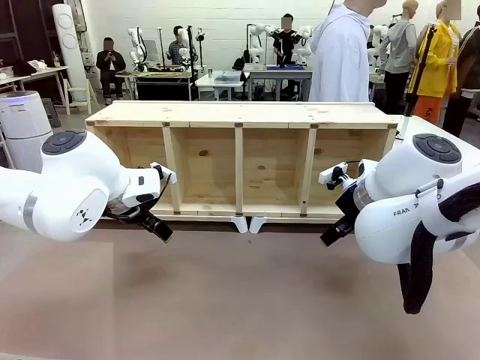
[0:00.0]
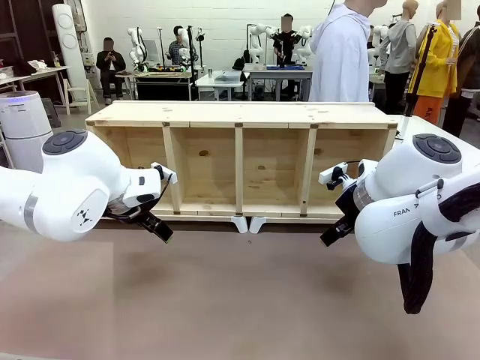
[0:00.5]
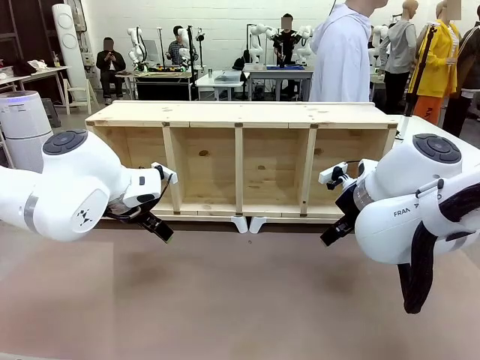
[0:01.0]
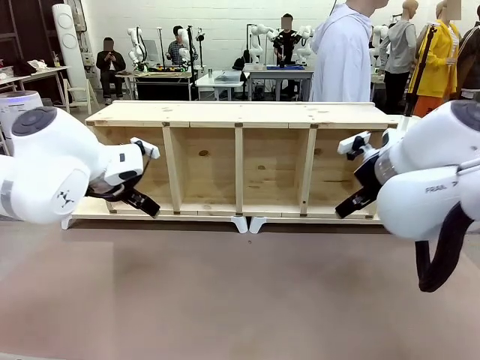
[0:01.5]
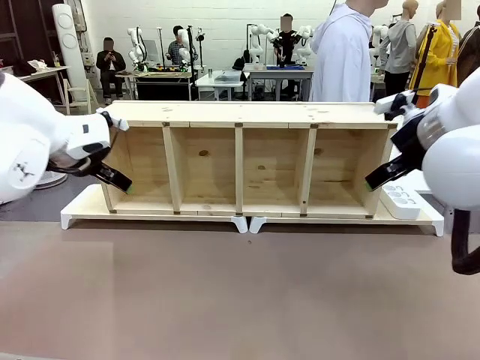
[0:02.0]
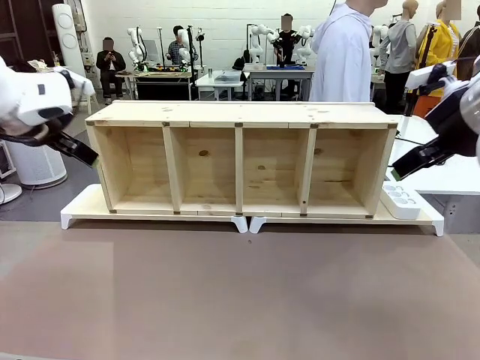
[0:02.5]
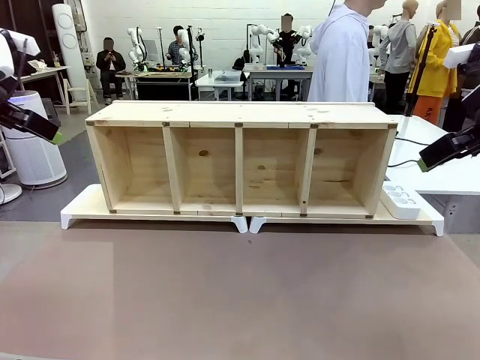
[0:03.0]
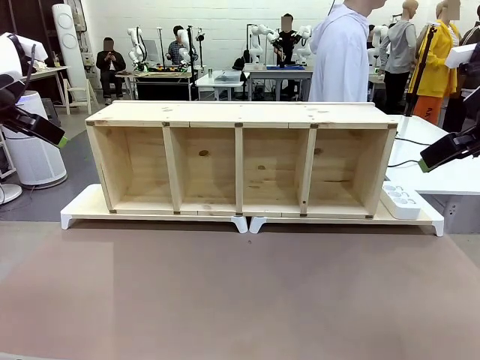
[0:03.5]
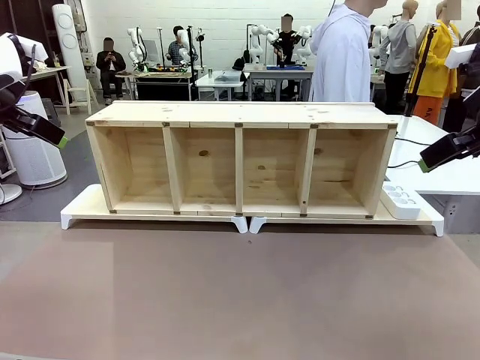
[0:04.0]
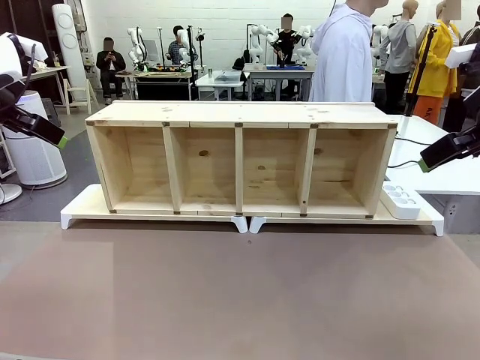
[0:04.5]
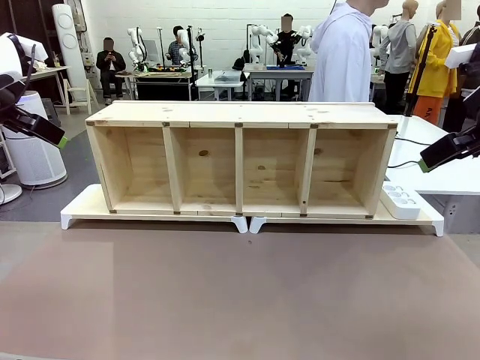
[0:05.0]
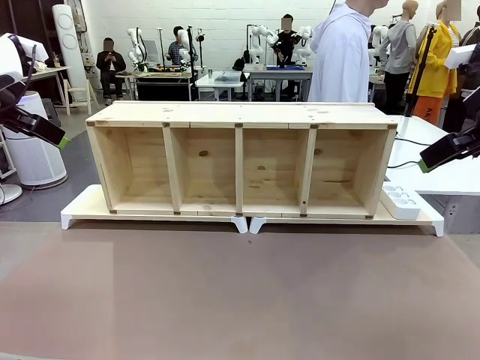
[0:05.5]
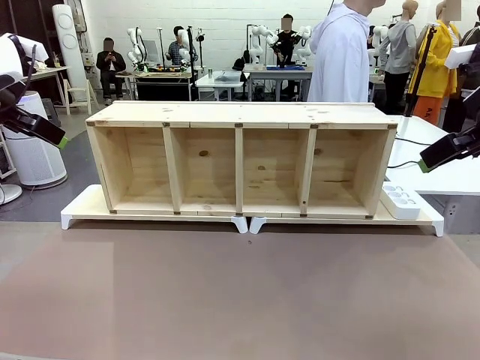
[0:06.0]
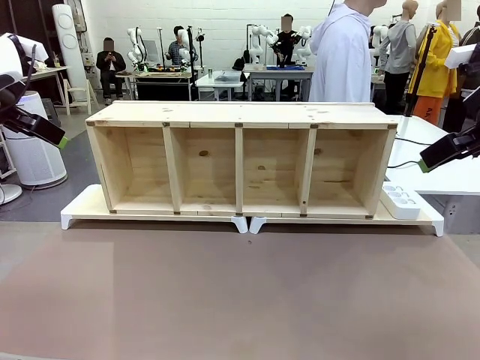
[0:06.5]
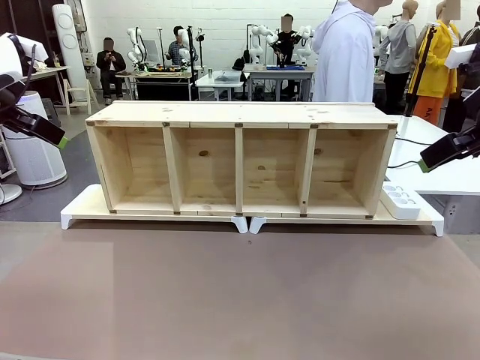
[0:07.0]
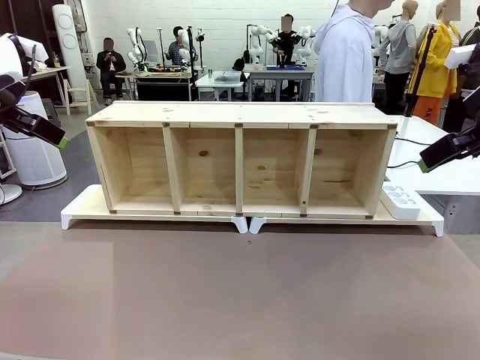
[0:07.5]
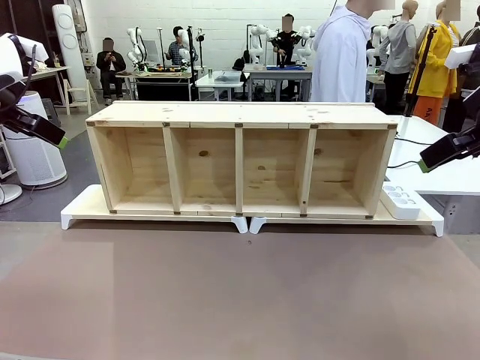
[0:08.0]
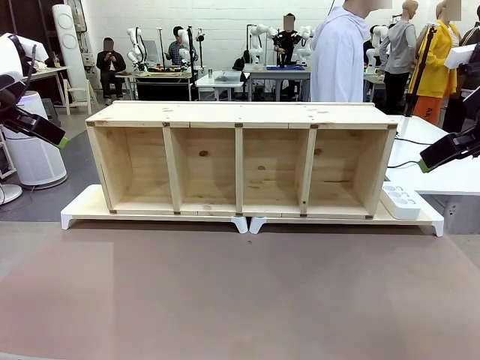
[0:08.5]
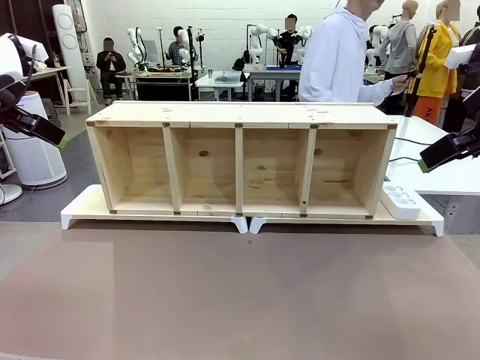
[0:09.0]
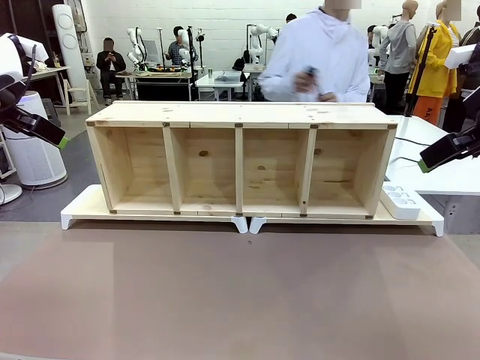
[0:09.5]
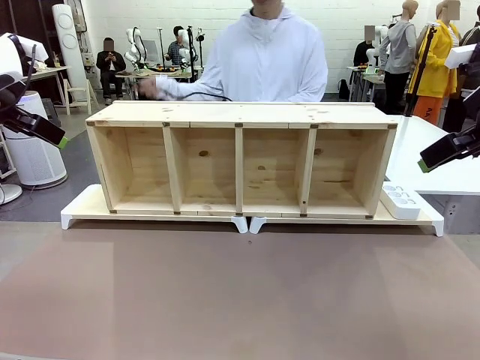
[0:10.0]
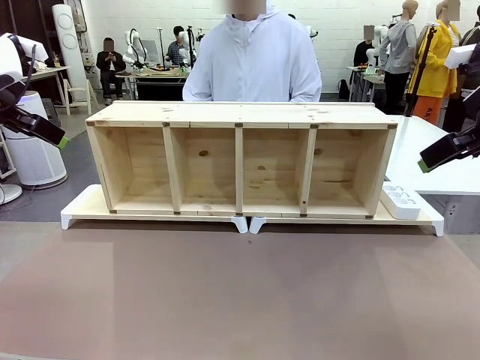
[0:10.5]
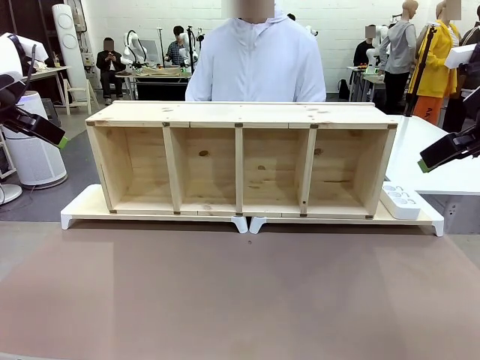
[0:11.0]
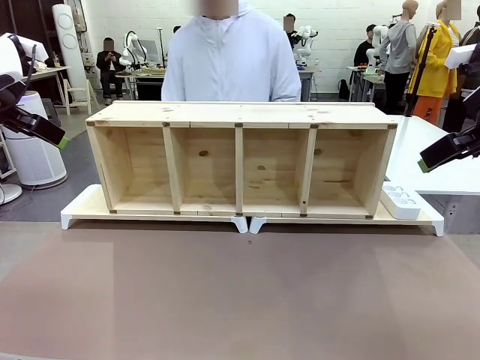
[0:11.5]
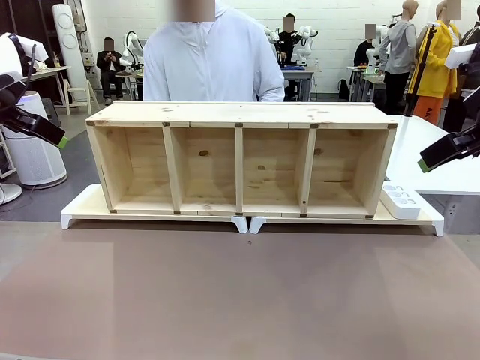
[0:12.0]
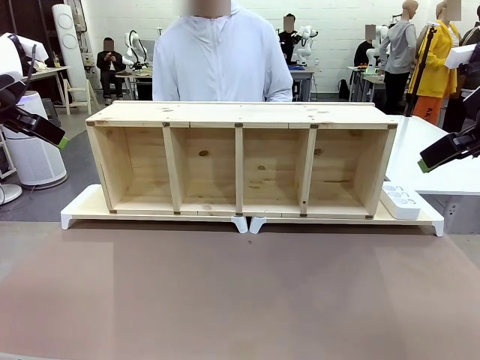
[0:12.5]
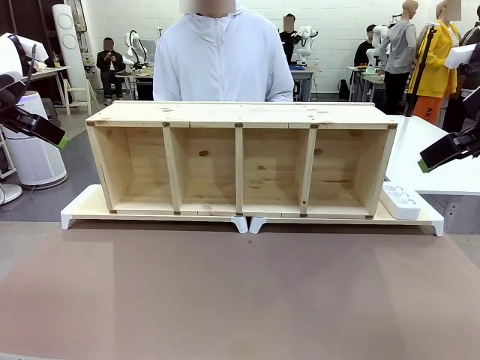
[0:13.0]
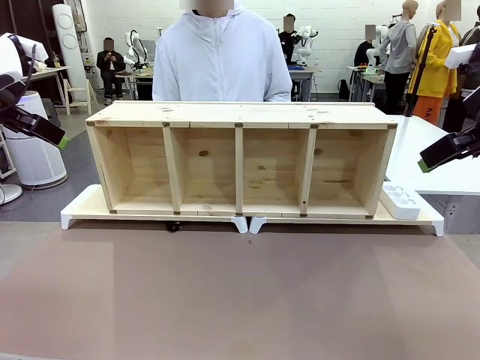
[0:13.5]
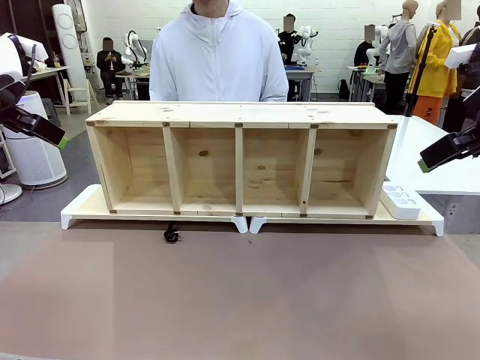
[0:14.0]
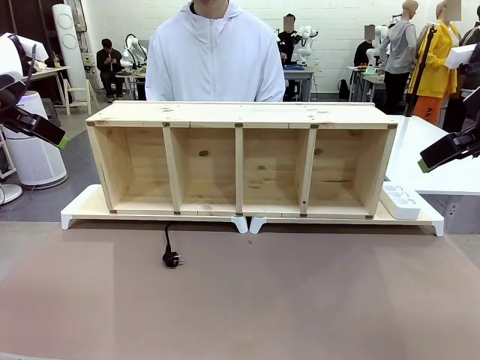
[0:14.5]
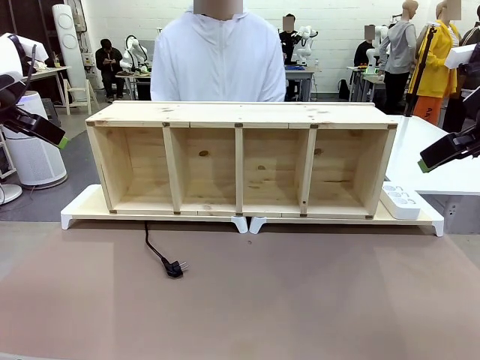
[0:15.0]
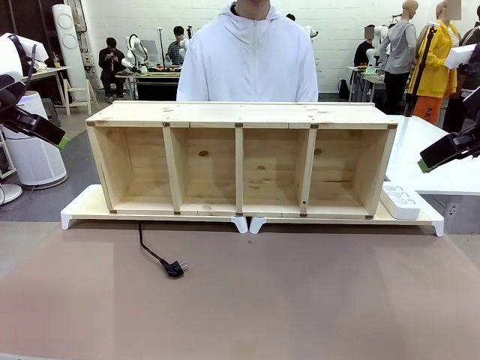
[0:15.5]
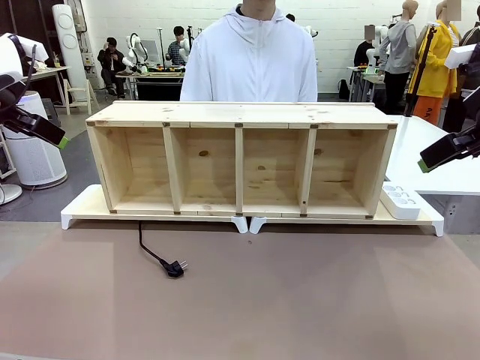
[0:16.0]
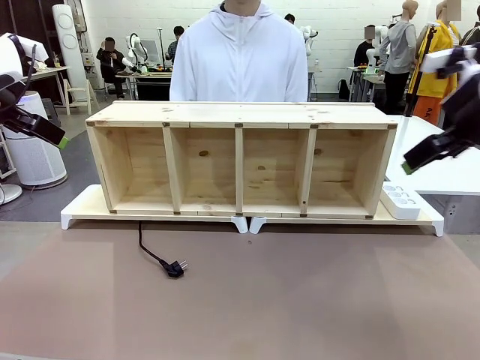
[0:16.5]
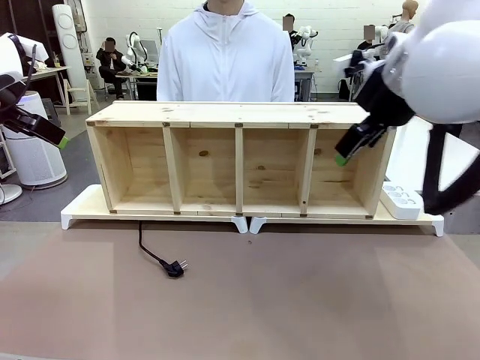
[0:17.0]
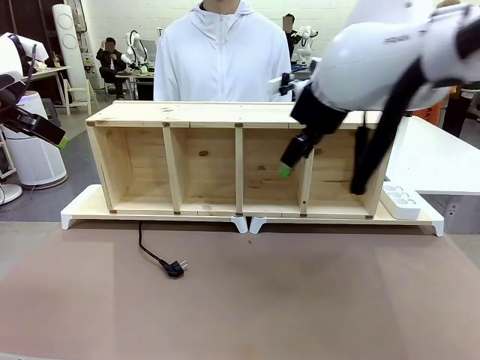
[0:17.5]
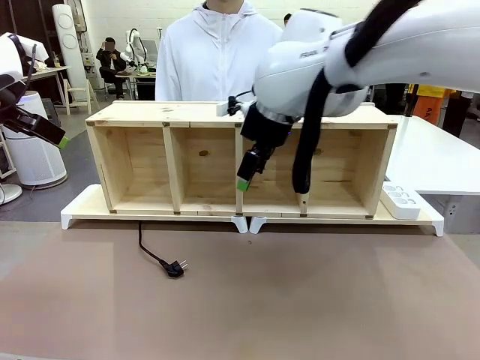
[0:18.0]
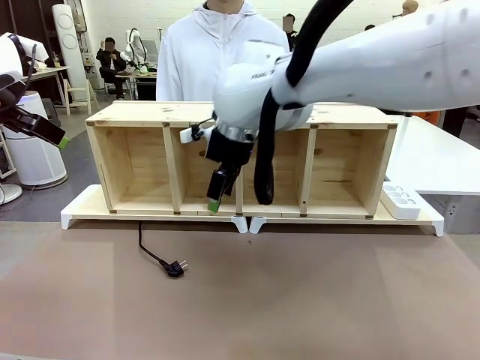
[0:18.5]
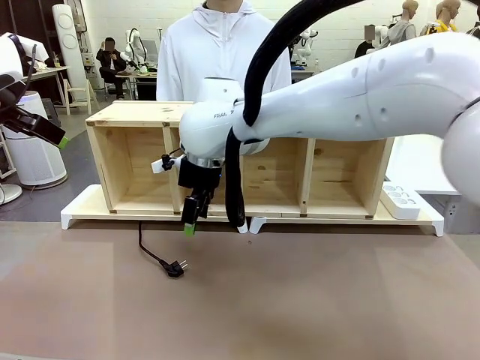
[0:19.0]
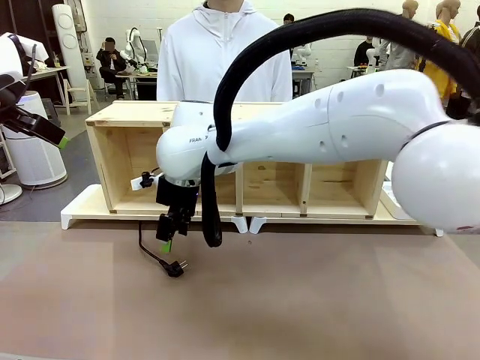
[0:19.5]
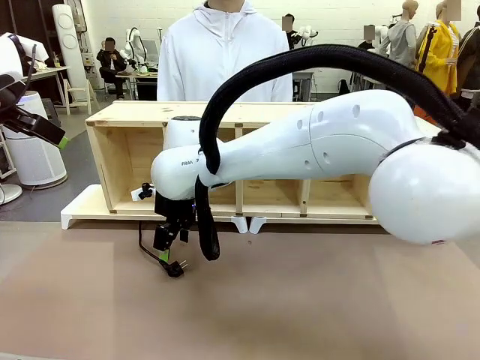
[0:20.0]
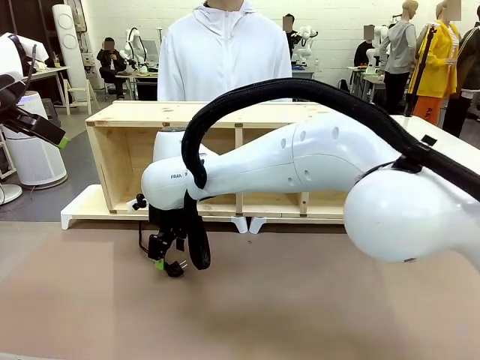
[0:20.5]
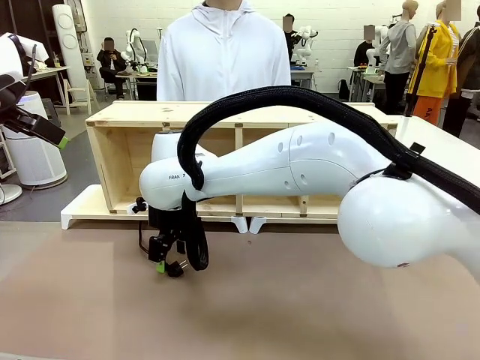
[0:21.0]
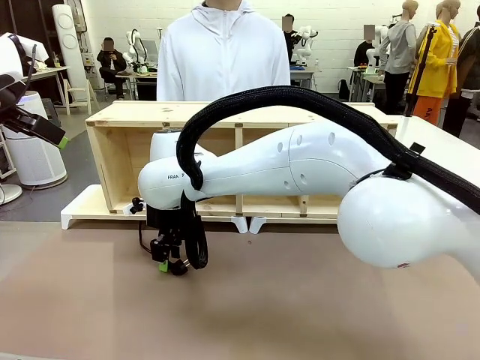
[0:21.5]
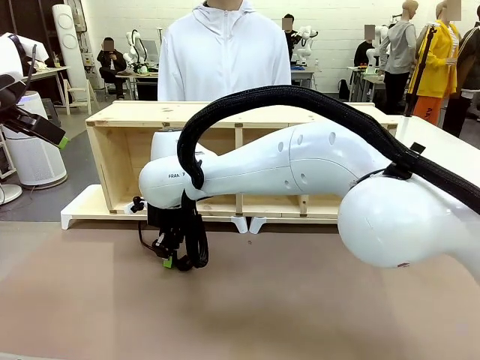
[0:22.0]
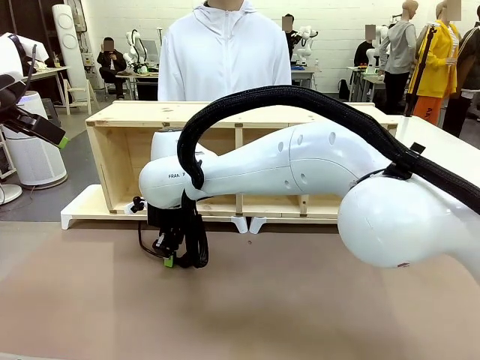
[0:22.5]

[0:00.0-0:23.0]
Task: Perform cable management.
Robot: When the cord part of the Power Cable appears at the lower middle area of the table and stops, grasp the cord part of the Power Cable.
Person: Pass the Power Cable under the Serving Table.

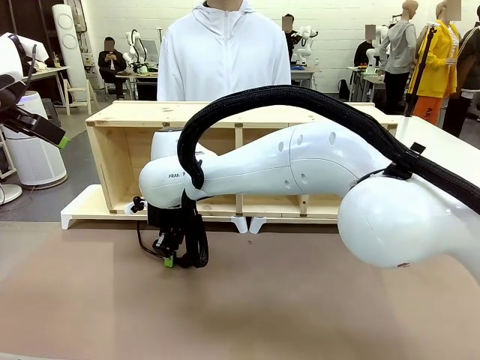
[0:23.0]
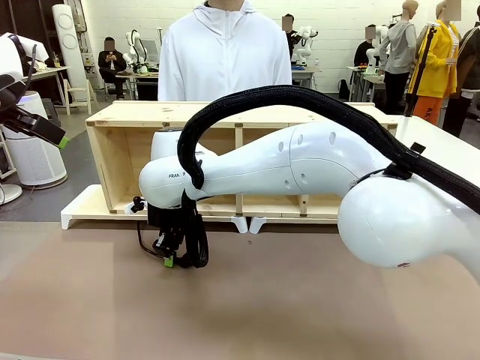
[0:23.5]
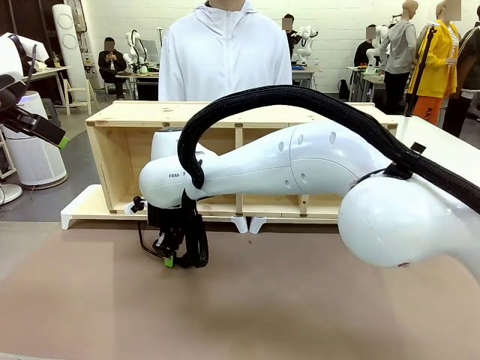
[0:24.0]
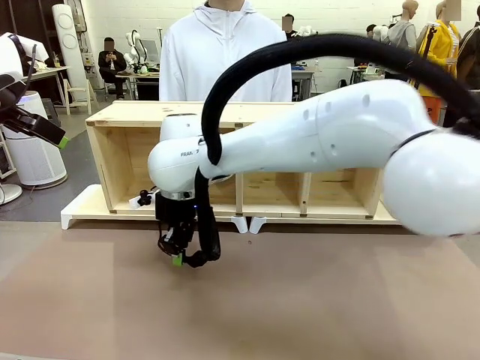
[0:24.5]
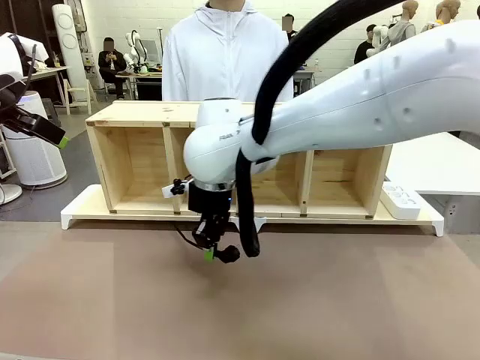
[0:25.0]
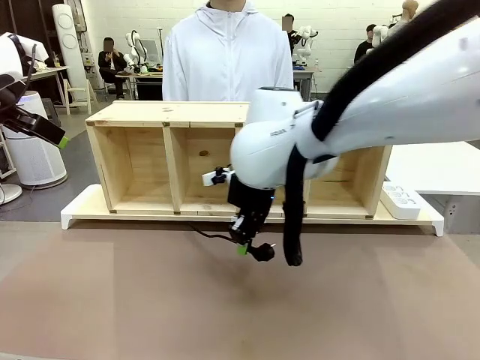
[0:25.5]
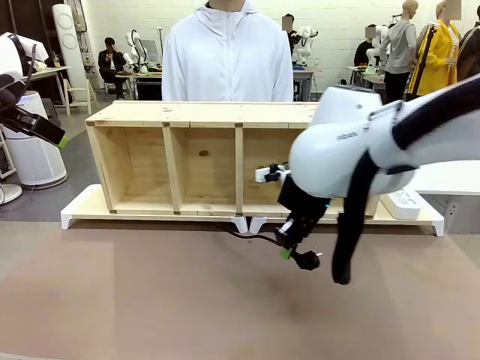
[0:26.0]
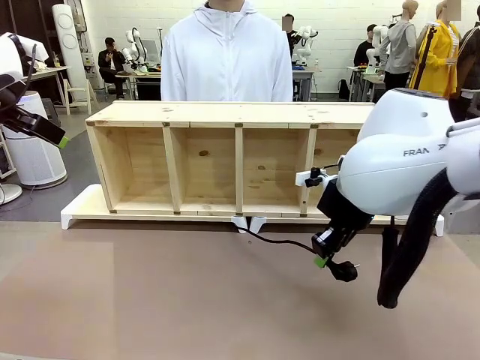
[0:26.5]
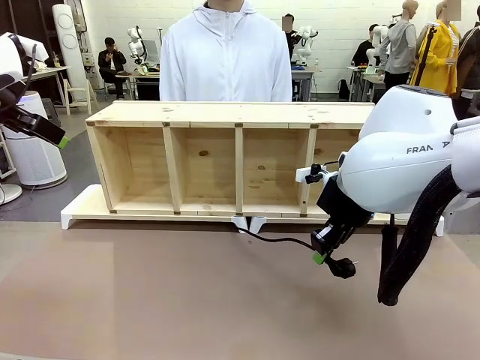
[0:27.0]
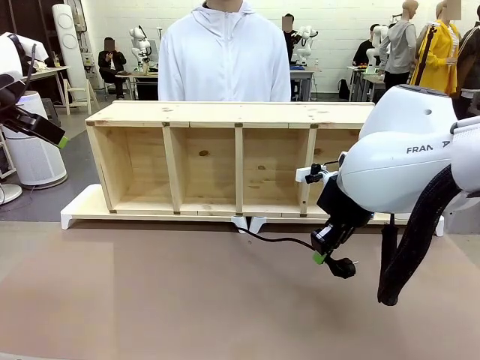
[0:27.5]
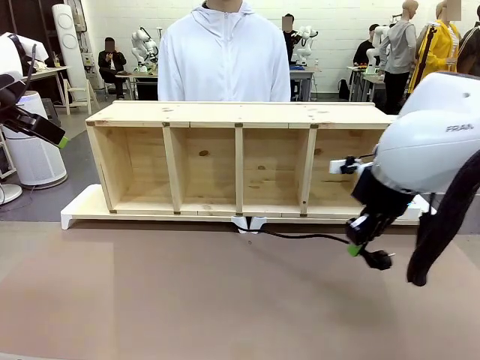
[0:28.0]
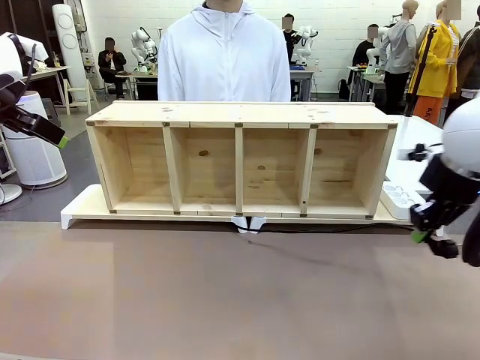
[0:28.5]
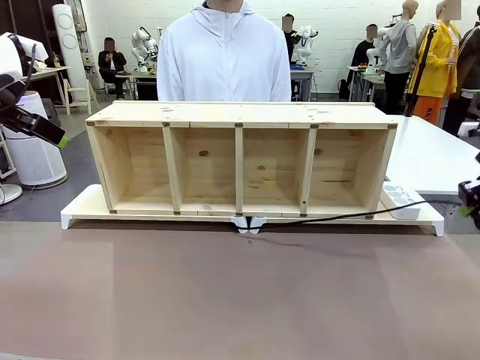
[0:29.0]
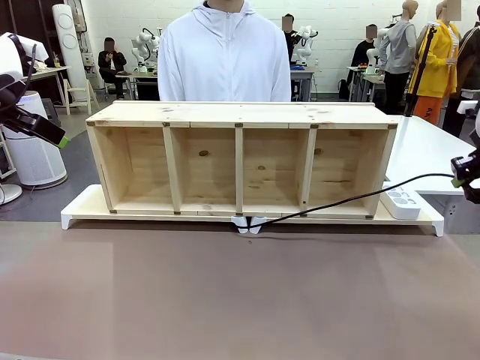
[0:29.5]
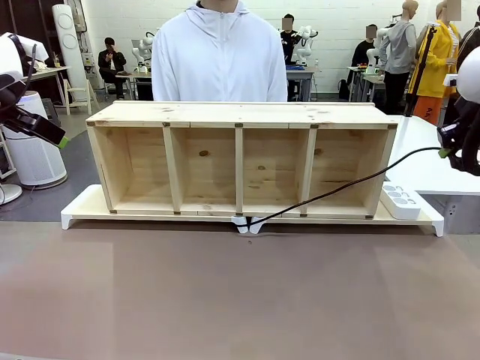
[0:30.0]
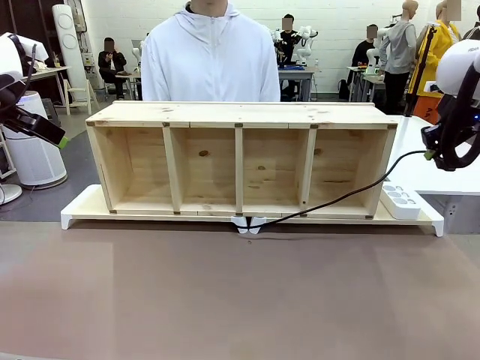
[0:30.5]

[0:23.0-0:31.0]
Robot: Pull the grasped Power Cable to the location of the Power Strip.
